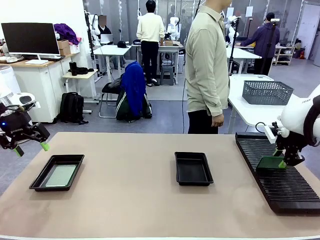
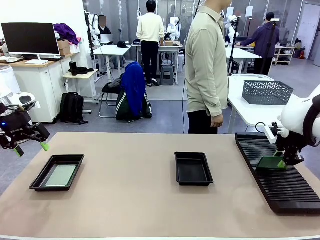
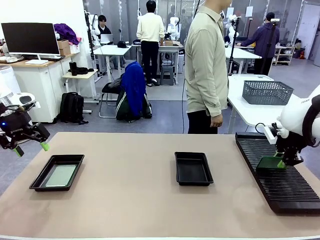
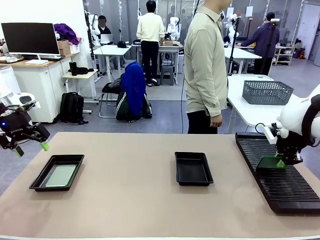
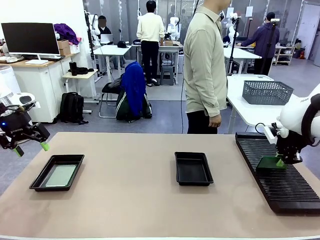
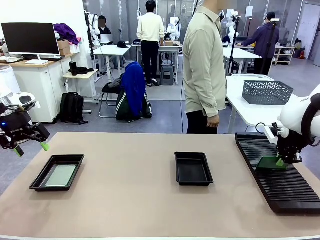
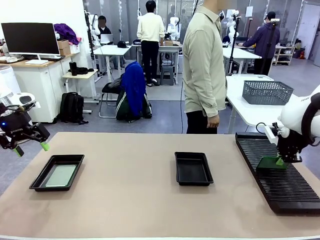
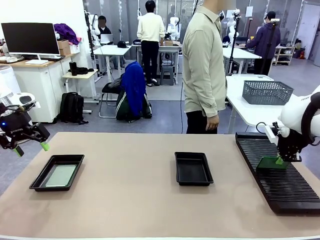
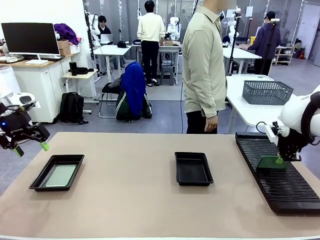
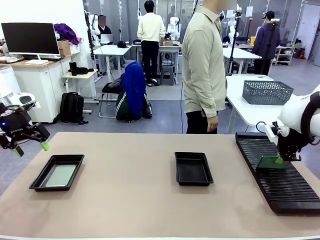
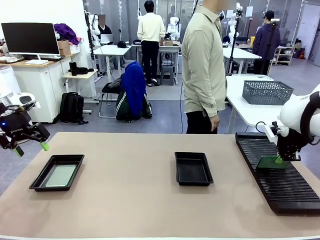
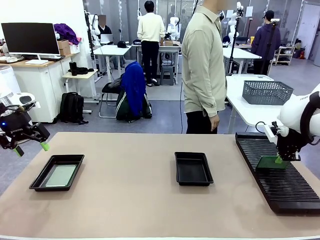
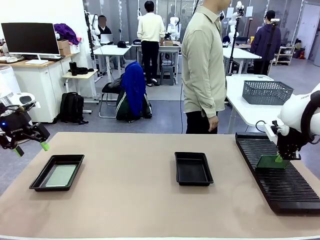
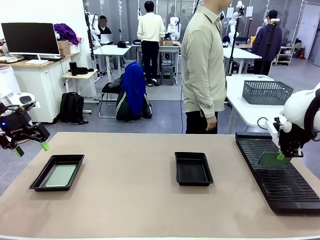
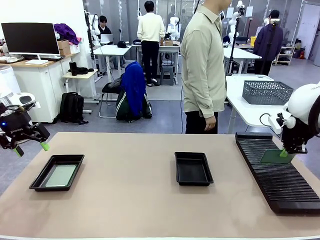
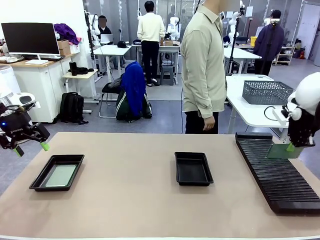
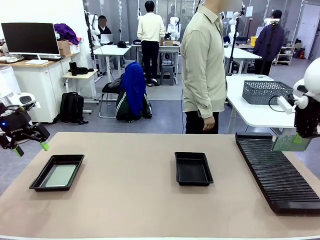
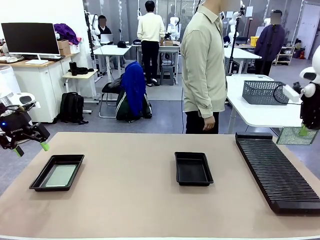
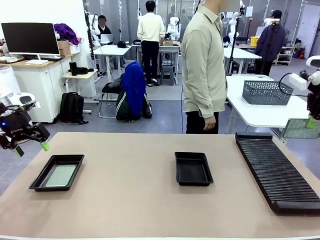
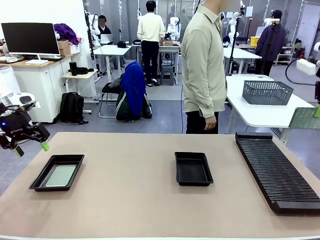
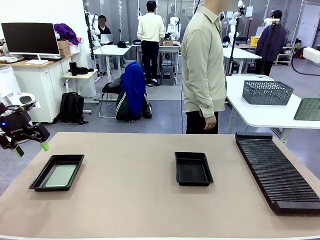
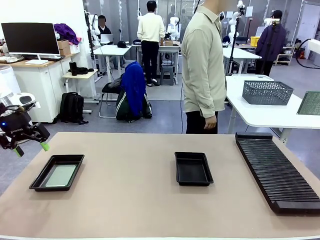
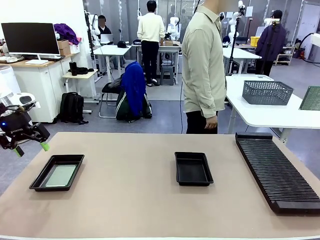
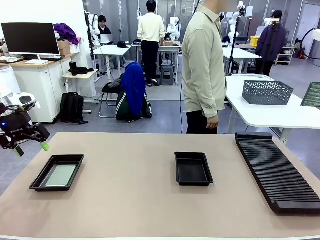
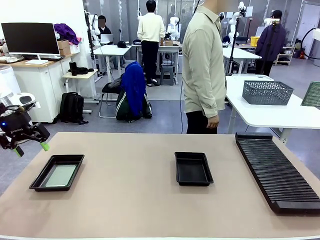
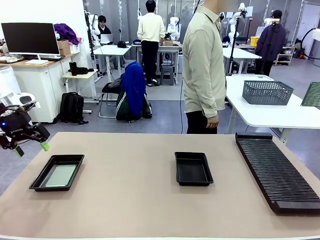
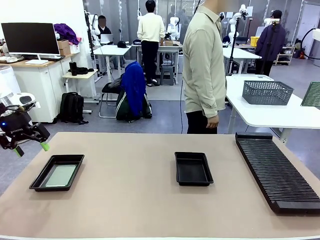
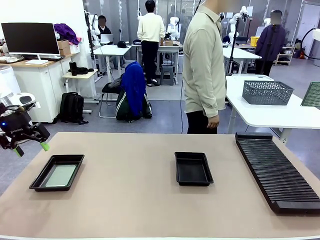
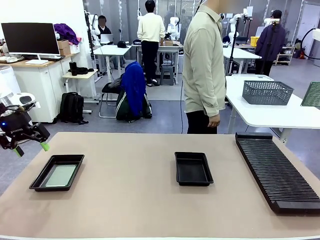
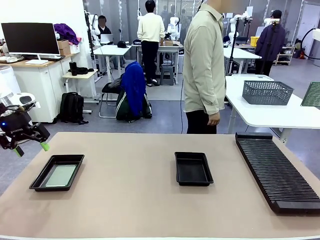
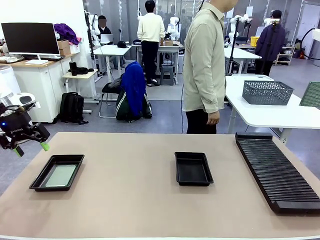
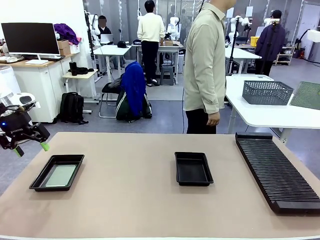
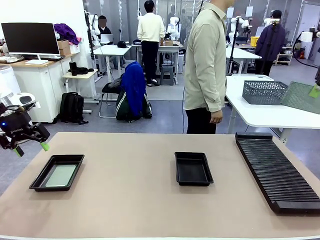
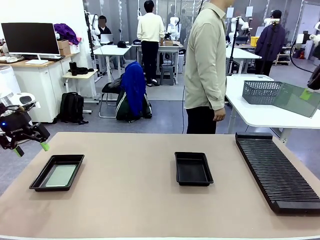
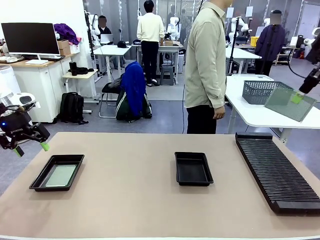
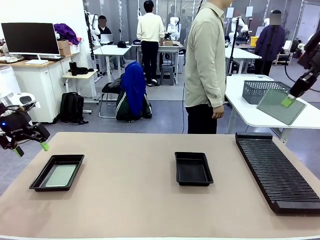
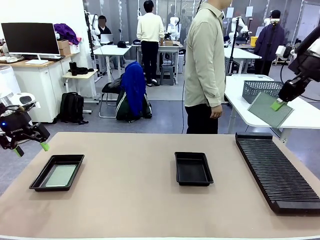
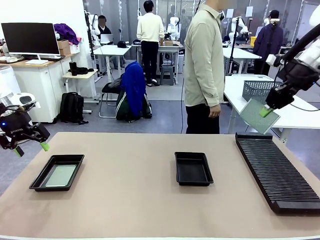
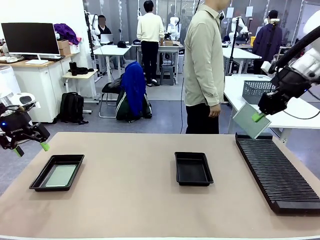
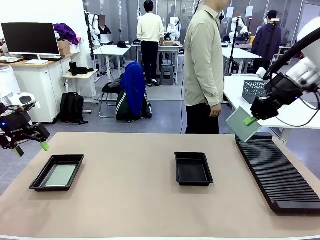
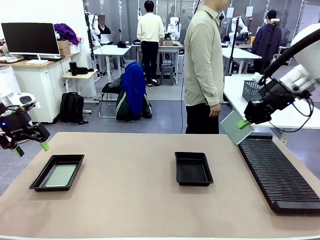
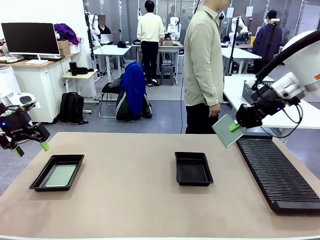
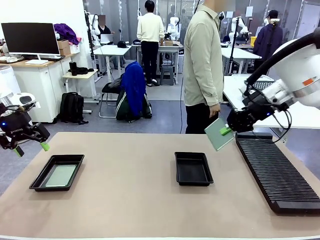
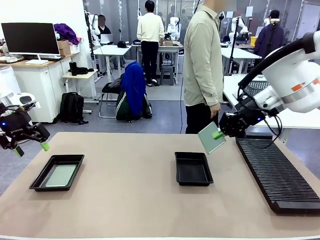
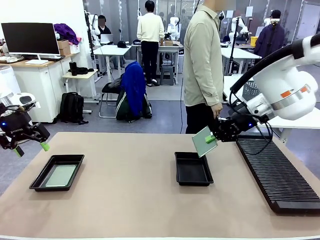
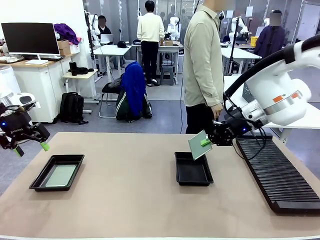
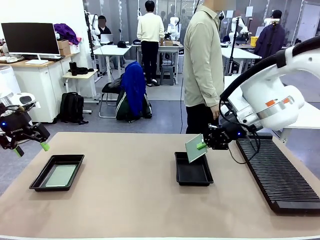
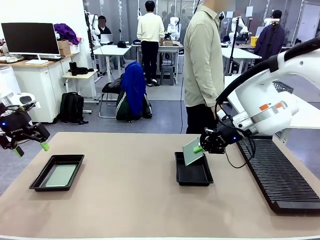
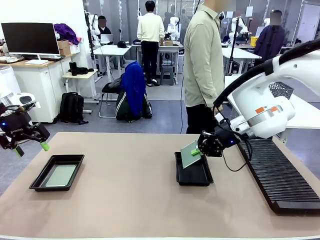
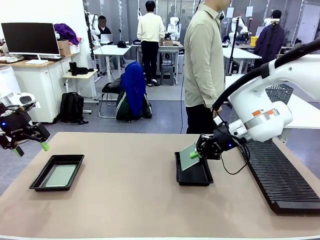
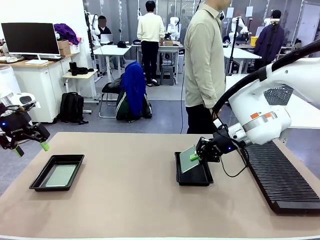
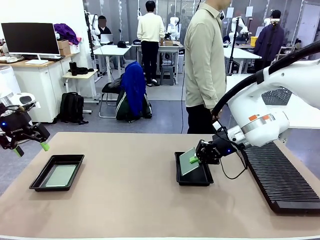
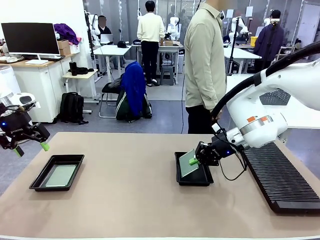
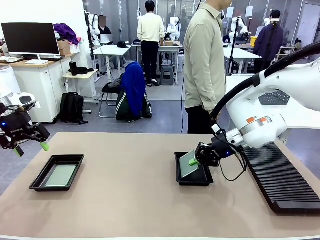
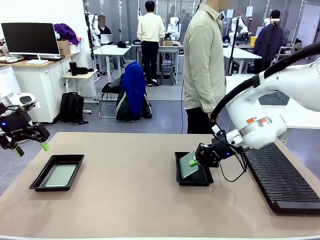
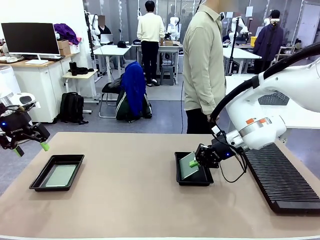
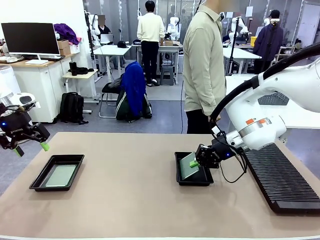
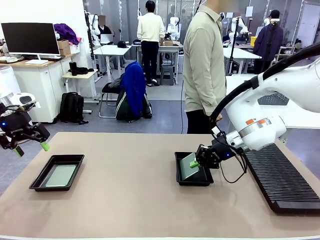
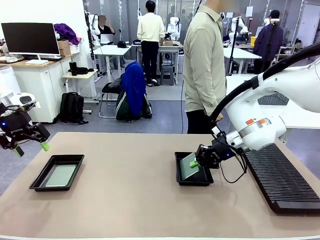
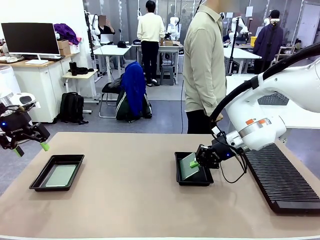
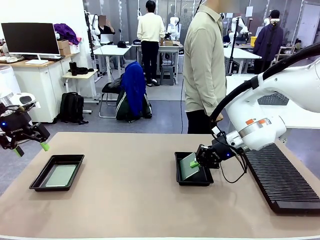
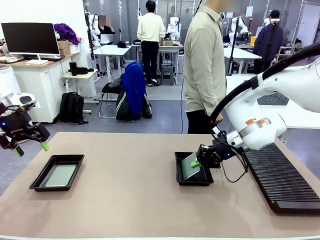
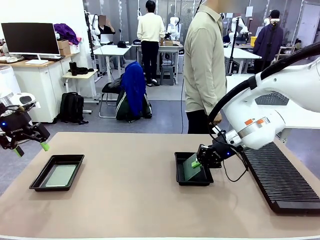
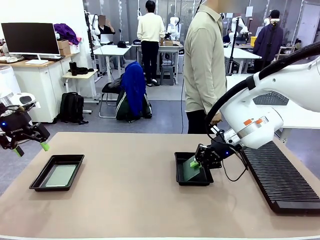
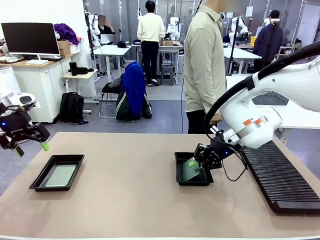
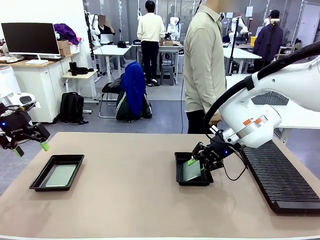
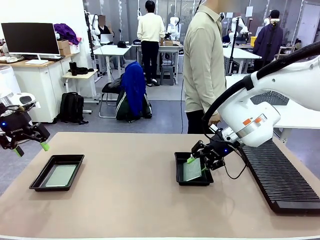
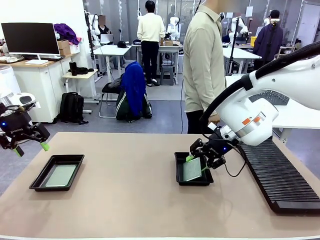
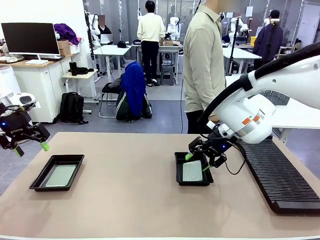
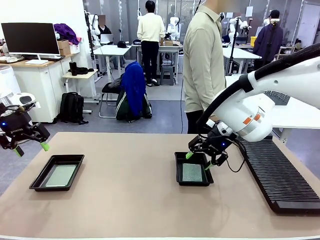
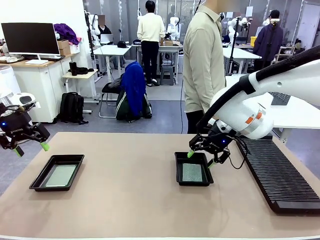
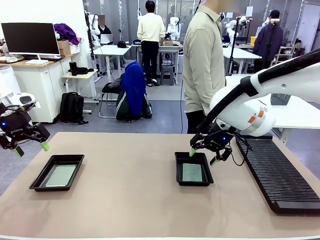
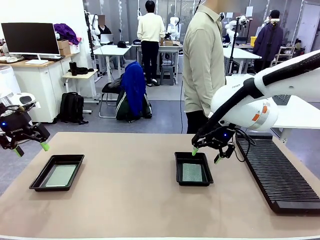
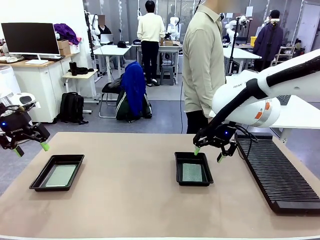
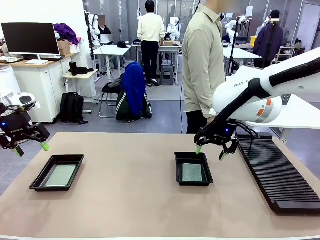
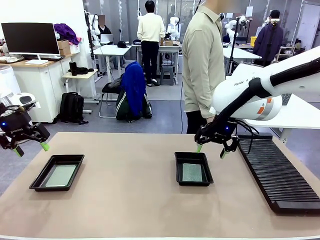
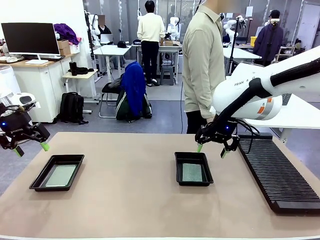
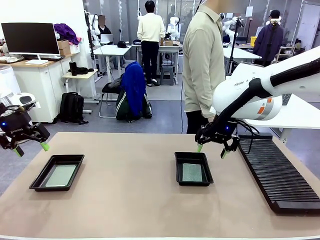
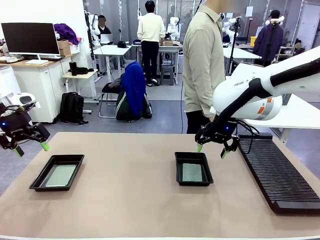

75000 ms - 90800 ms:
Task: Inspect and transfer BCBs to ESD trays.
Robot: Pick up the Blank PCB from the PCB Rack and place it in the right ESD tray.
